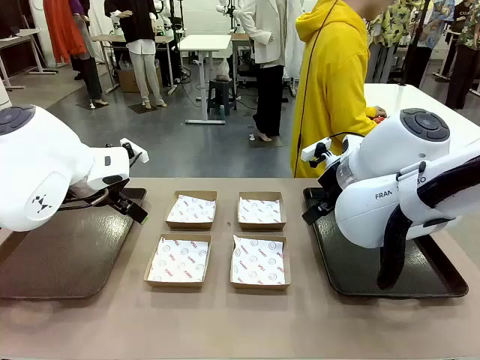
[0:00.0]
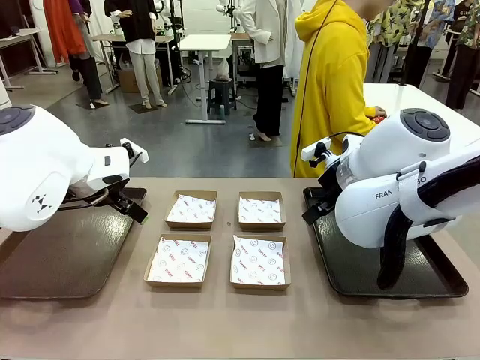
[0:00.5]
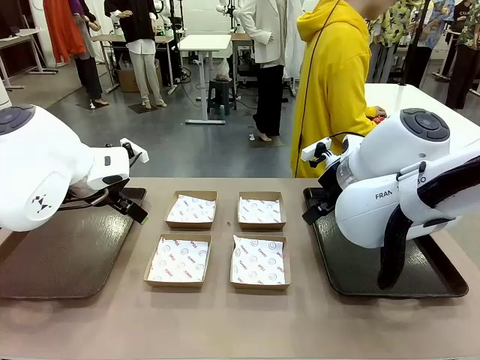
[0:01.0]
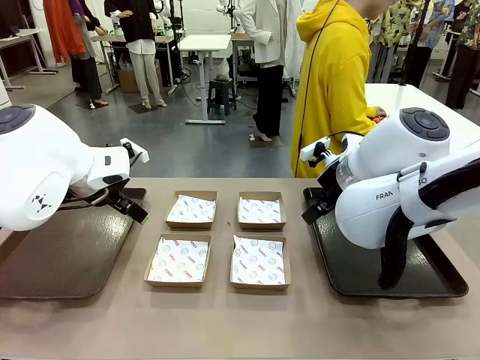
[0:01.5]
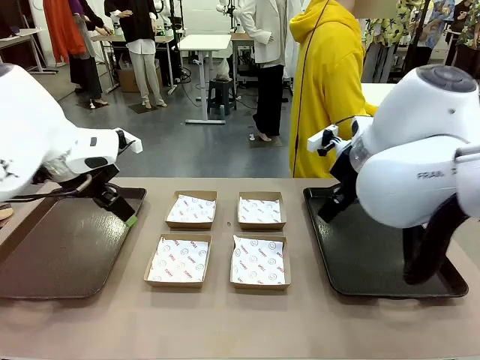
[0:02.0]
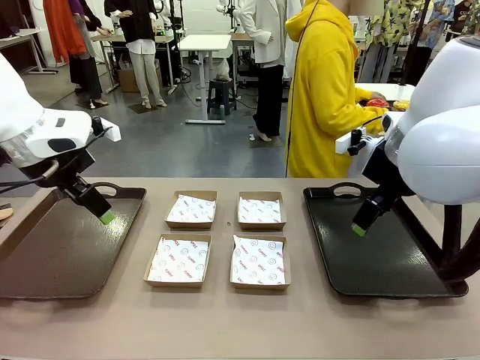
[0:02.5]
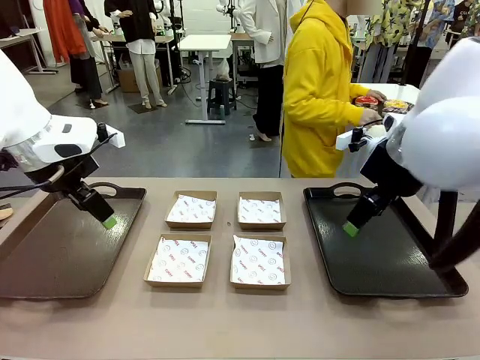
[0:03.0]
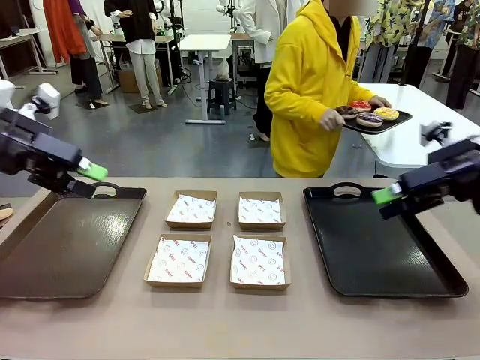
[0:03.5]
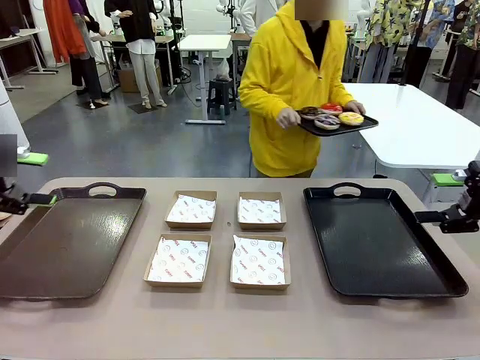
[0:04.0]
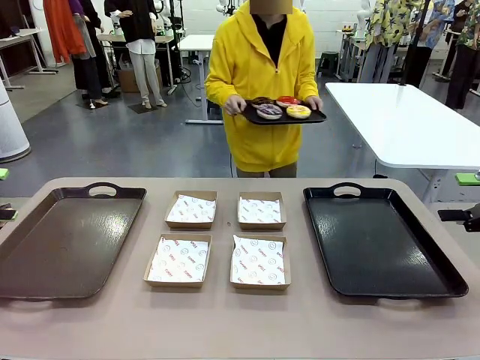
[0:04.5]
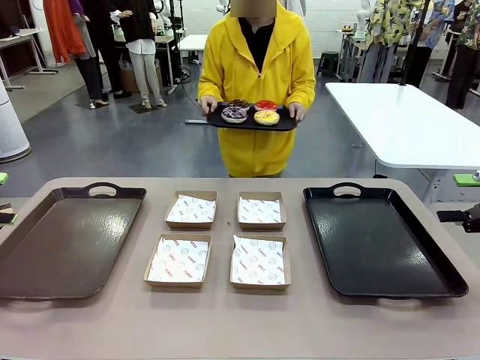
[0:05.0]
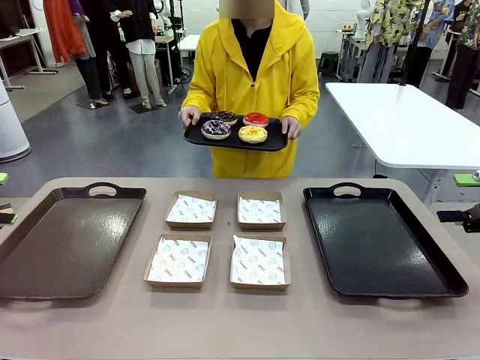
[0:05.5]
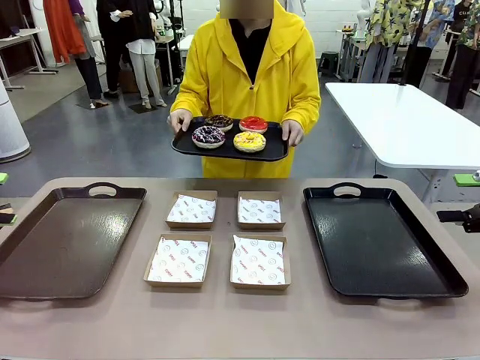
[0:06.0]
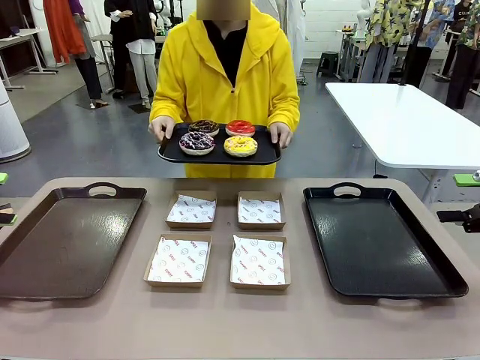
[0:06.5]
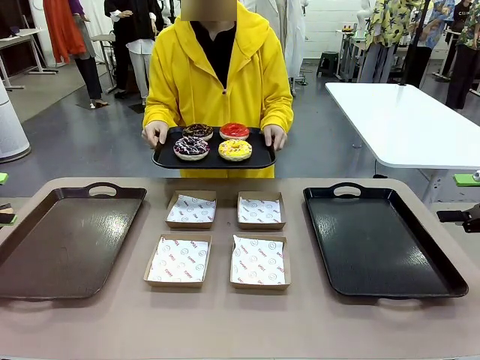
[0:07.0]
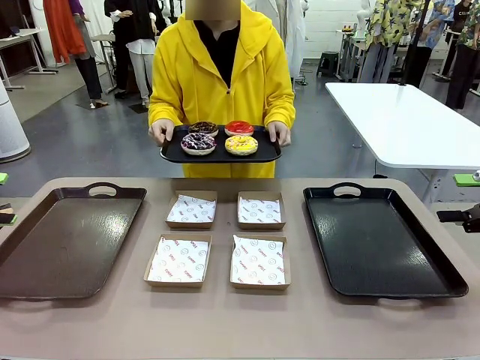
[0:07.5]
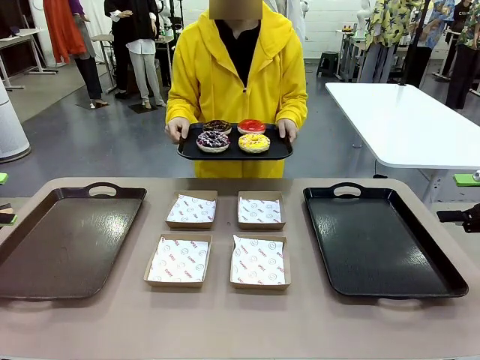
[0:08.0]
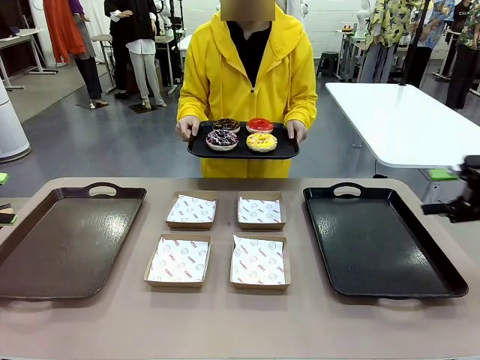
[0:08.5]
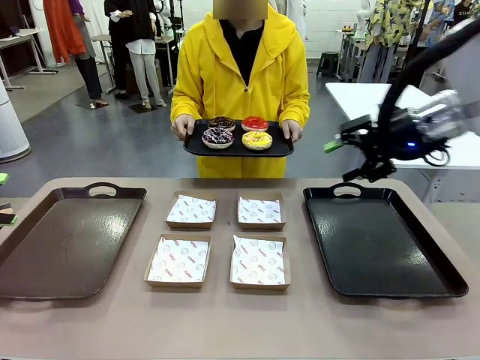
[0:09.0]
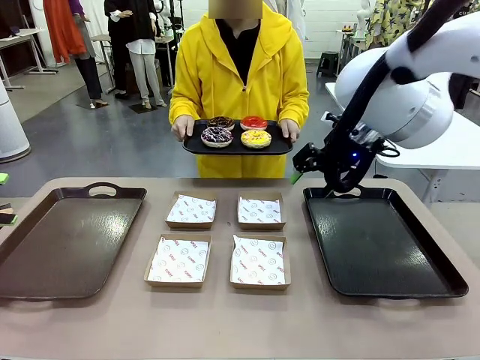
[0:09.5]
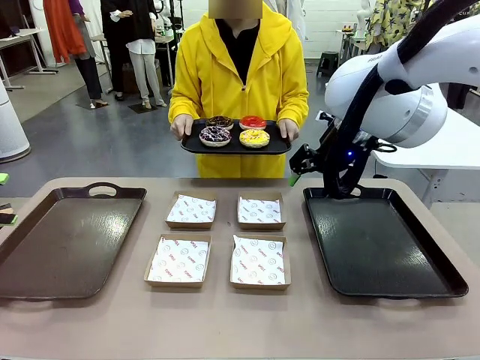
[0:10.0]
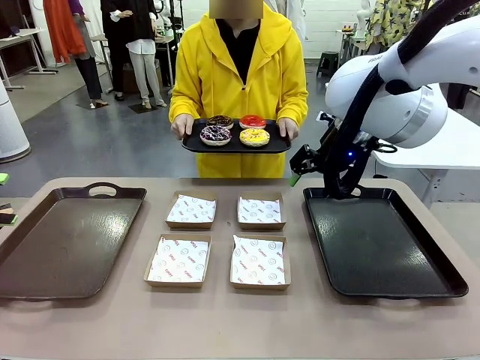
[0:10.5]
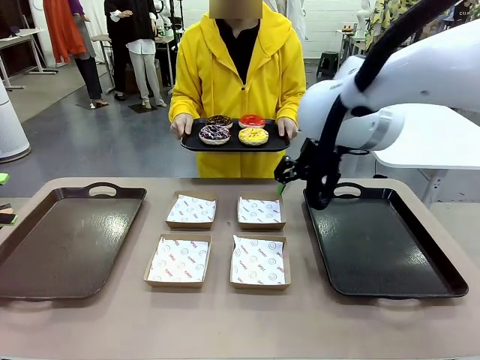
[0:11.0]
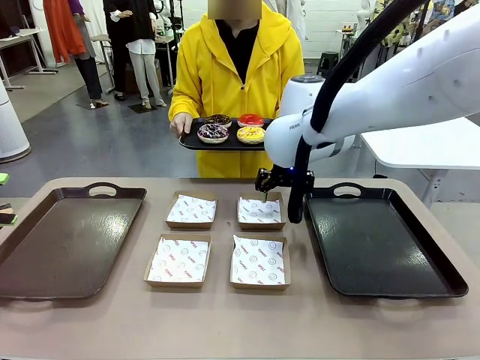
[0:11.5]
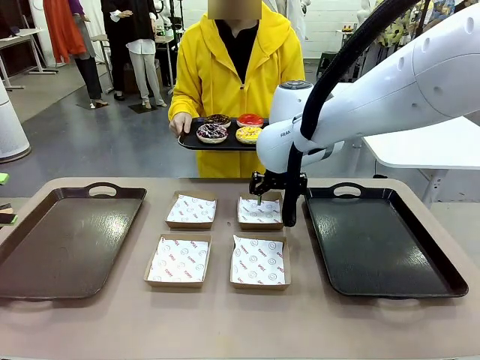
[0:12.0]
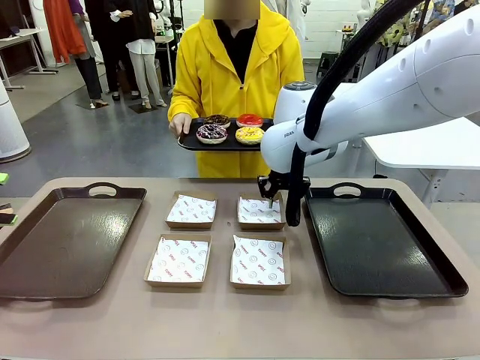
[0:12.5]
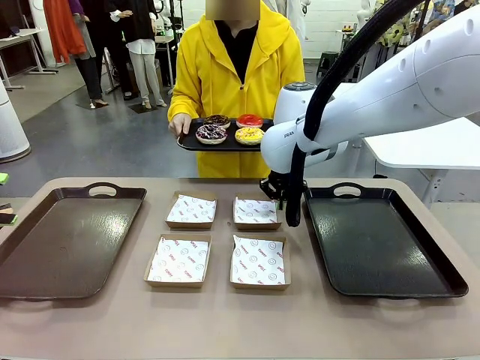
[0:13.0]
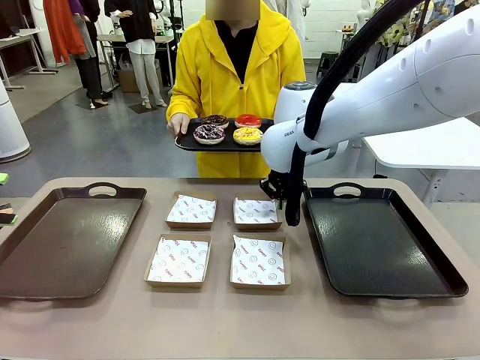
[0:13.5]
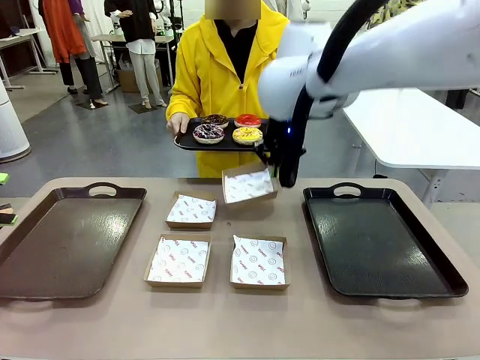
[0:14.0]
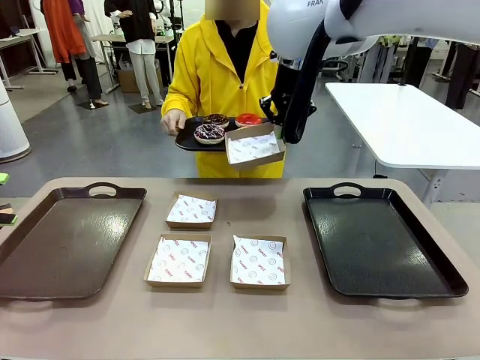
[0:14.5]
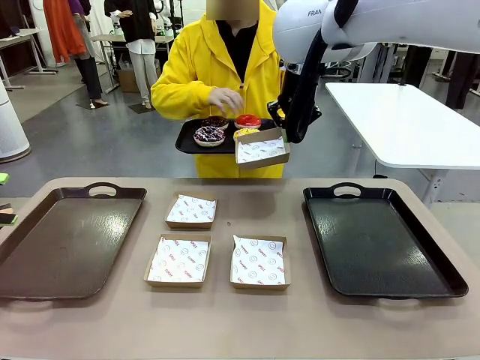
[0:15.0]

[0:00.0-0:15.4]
Task: Individually package the donuts and arrange them on the tray.
Robot: Pick up one Paper togo box.
Person: Stand in front of the robot table holding the tray containing the donuts.

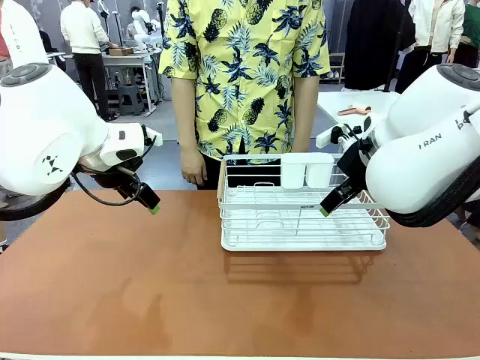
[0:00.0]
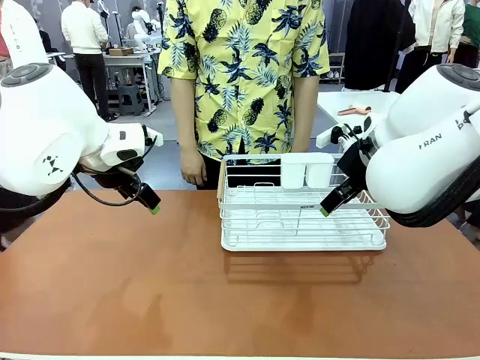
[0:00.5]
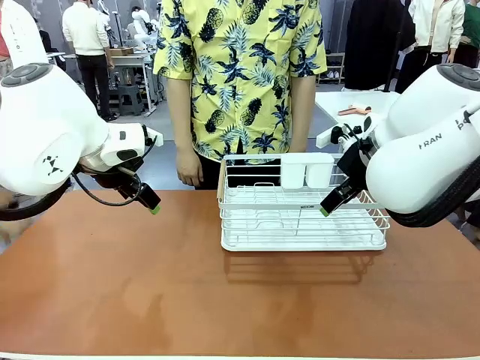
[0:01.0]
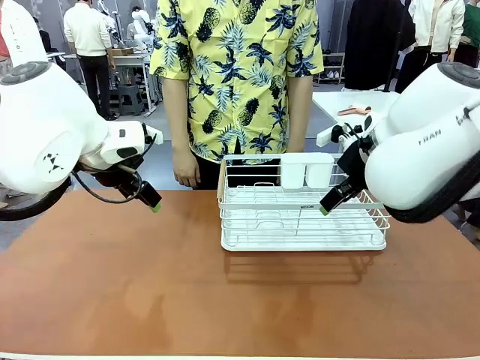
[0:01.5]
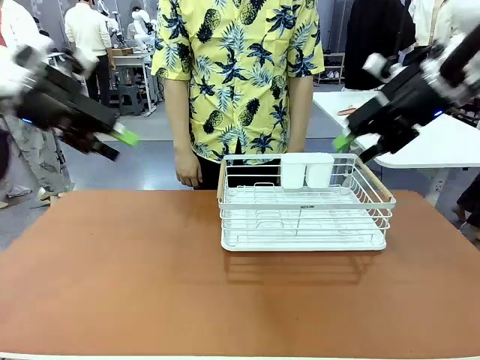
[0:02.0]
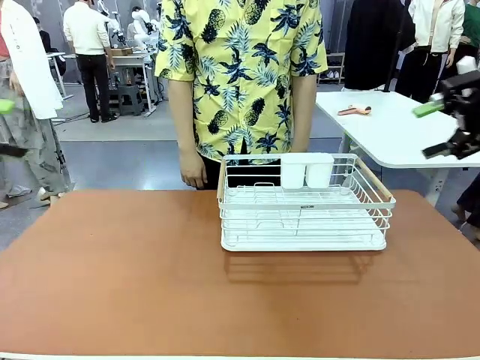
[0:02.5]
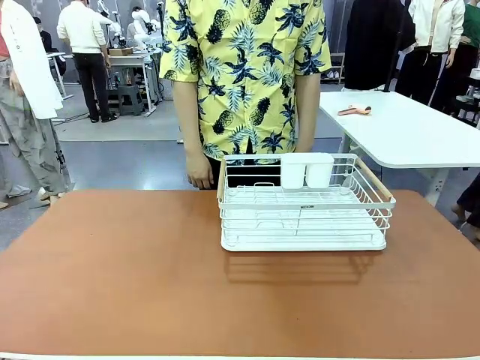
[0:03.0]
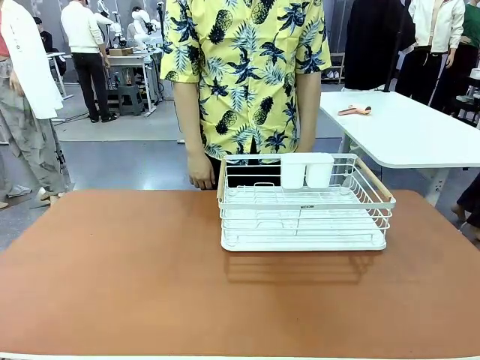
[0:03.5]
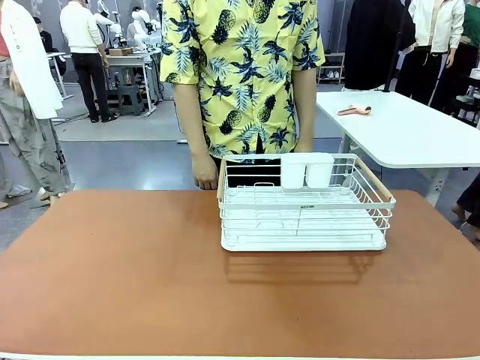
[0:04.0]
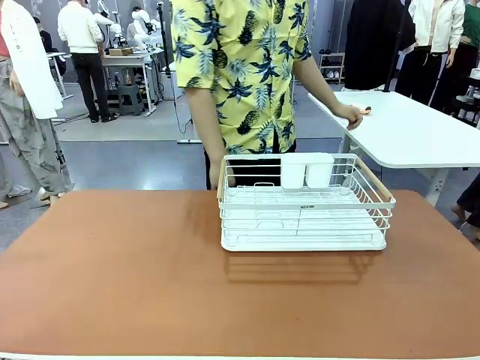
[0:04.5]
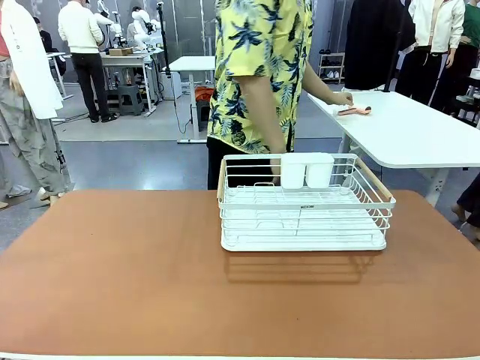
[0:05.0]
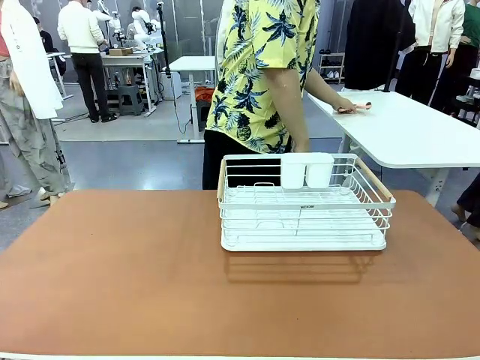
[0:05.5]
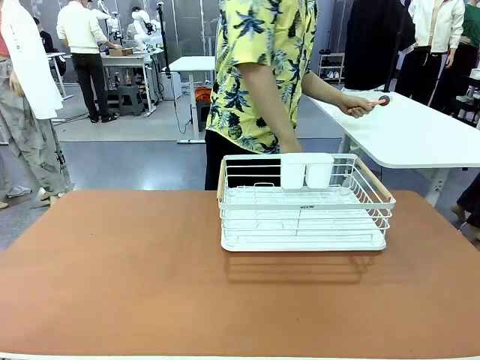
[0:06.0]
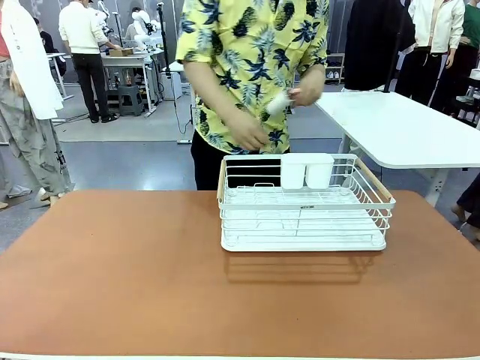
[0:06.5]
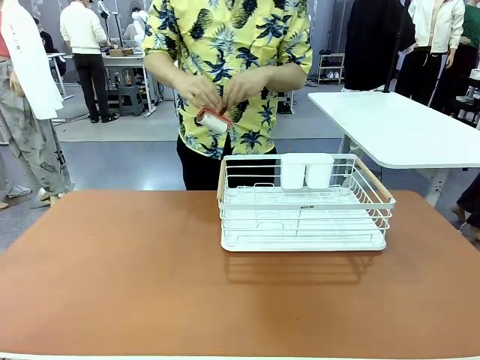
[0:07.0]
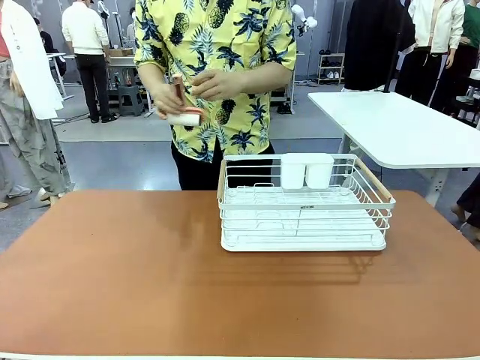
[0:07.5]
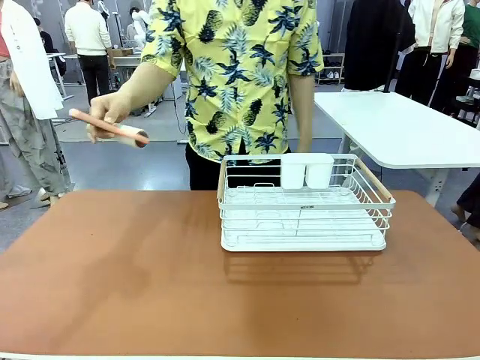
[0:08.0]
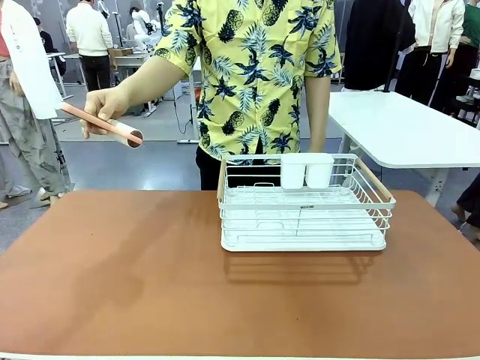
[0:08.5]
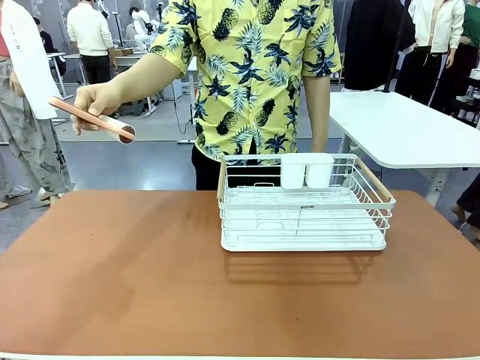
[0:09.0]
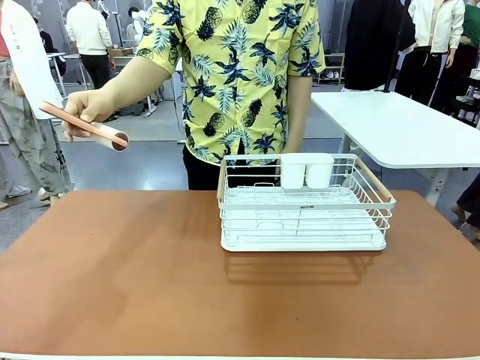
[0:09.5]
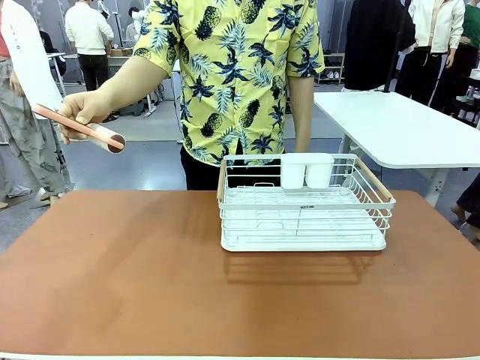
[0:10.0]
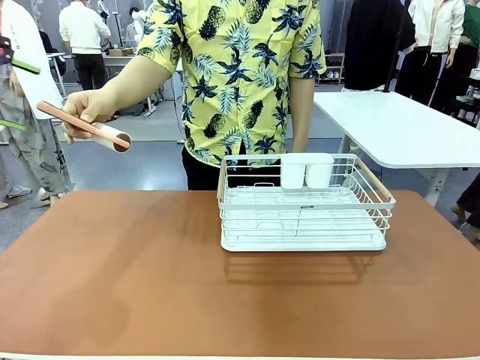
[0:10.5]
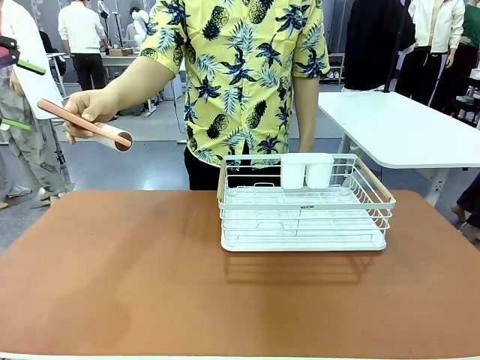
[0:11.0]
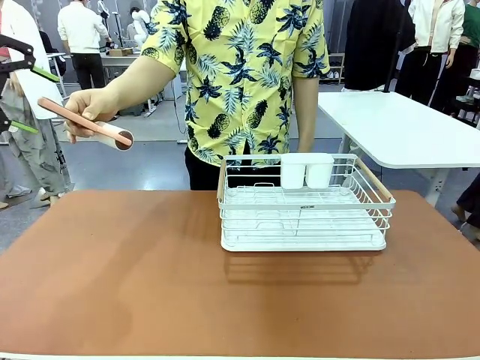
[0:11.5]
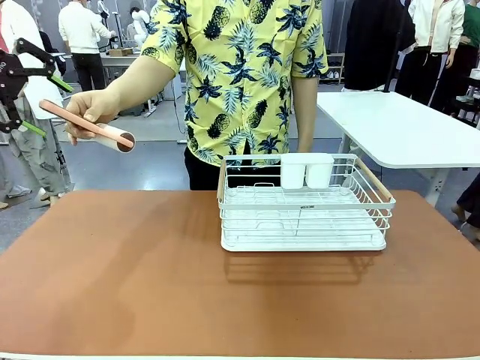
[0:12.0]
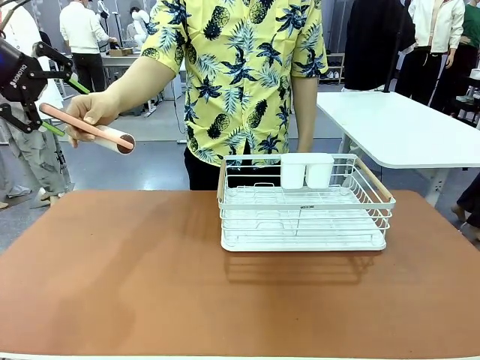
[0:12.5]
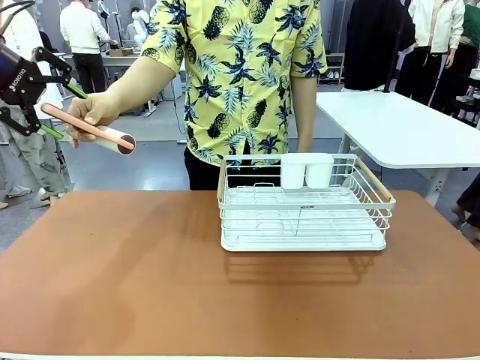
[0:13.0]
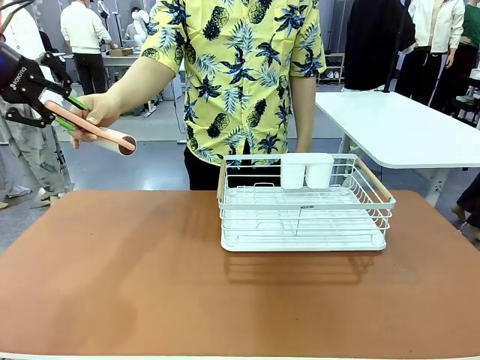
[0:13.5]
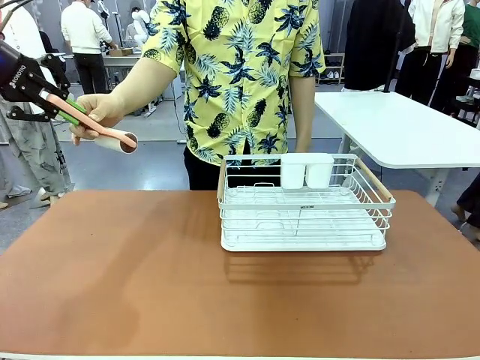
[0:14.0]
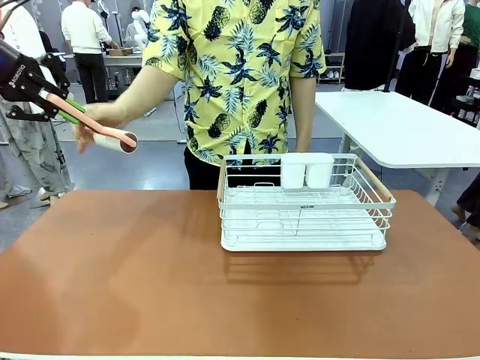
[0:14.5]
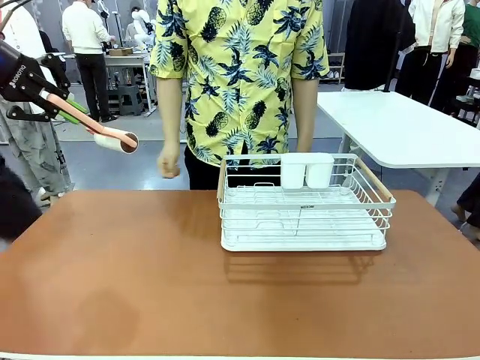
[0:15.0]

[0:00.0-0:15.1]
Task: Clean the table.
Robot: Pick up the Lint Roller when the human hands it over.
Person: Hand the Lint Roller to the robot so it can easily pick it up. Lift the Dish drying rack.
